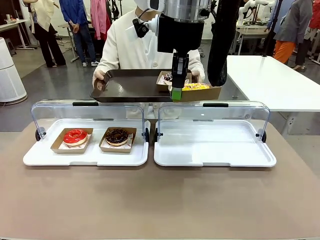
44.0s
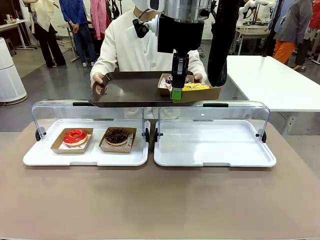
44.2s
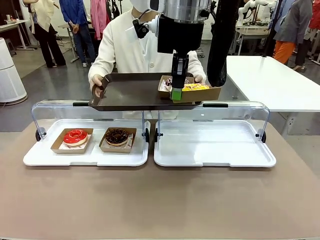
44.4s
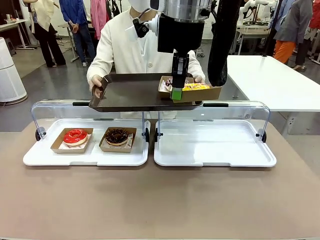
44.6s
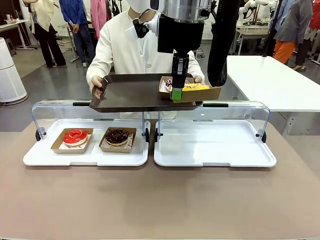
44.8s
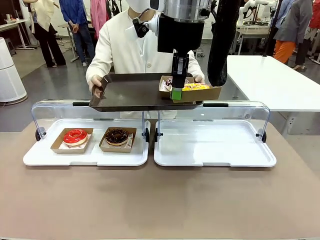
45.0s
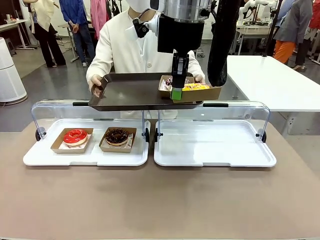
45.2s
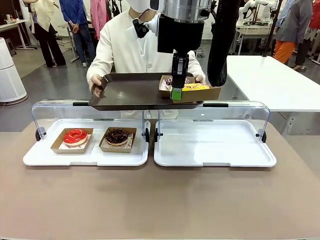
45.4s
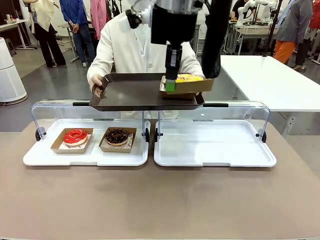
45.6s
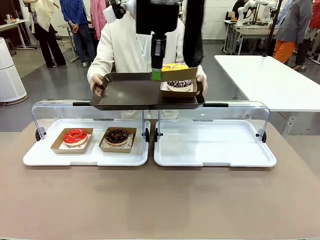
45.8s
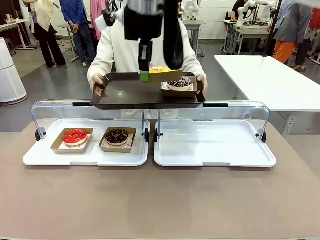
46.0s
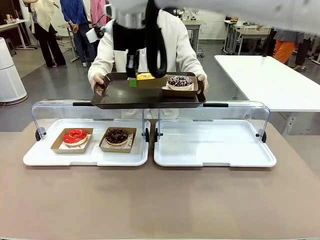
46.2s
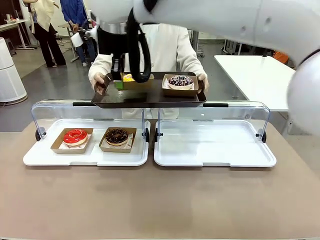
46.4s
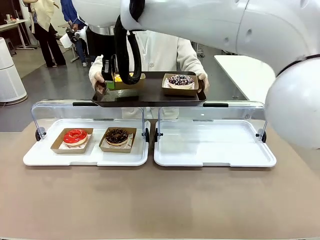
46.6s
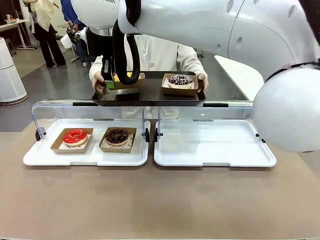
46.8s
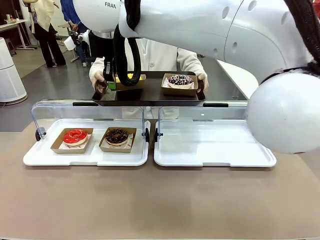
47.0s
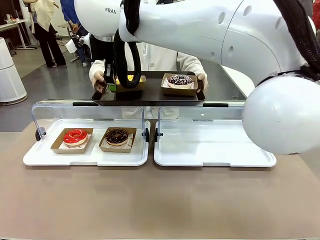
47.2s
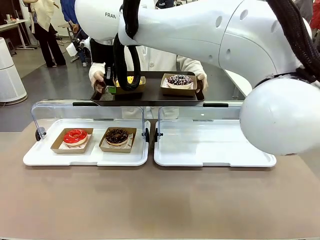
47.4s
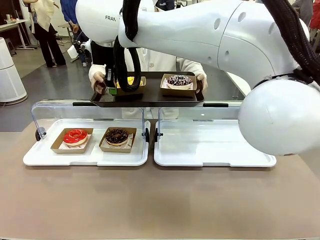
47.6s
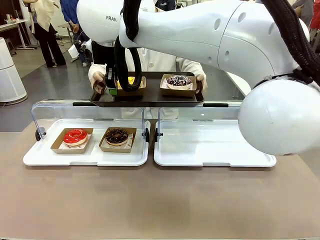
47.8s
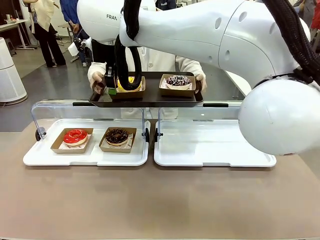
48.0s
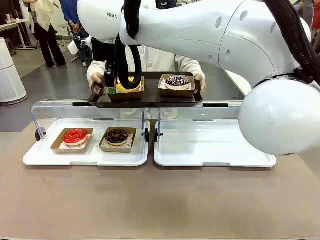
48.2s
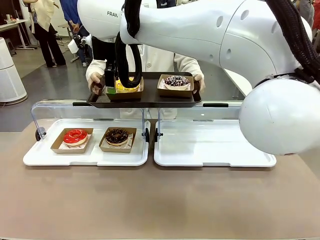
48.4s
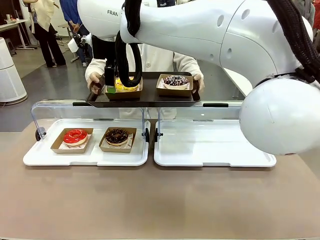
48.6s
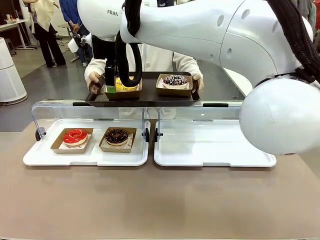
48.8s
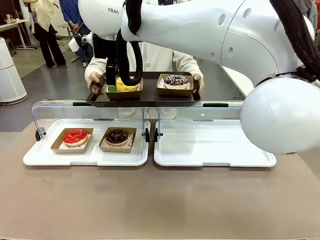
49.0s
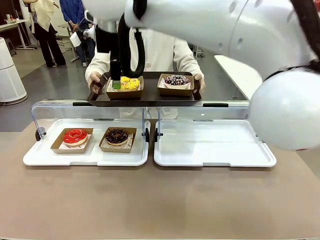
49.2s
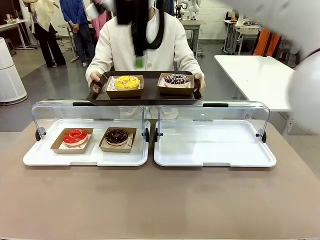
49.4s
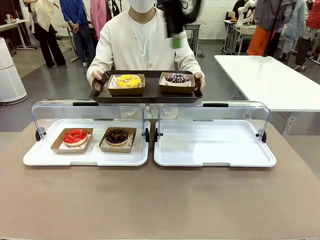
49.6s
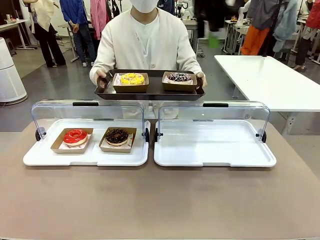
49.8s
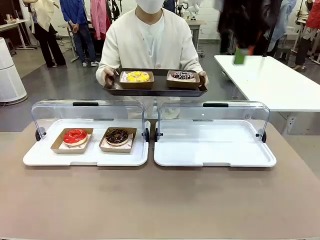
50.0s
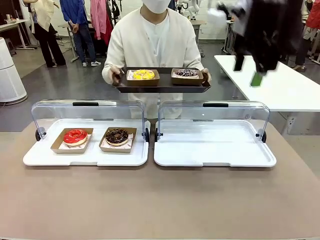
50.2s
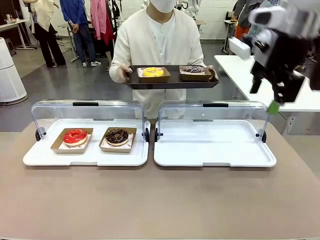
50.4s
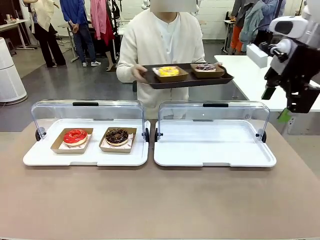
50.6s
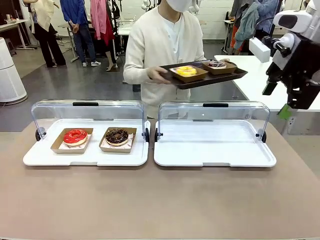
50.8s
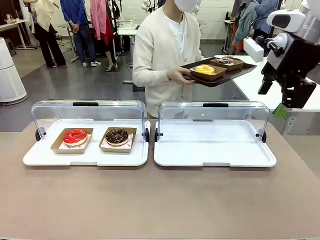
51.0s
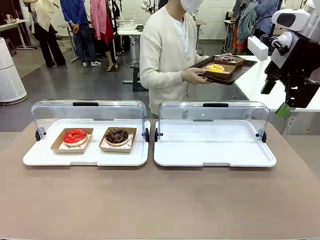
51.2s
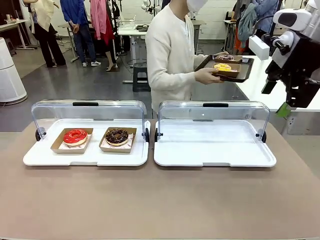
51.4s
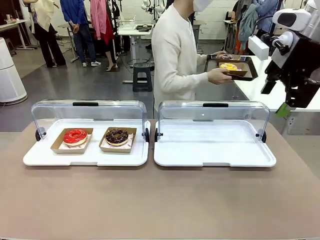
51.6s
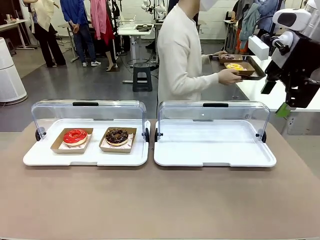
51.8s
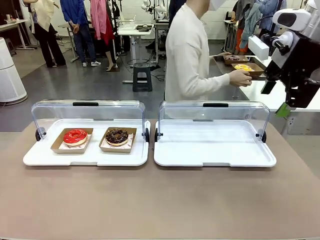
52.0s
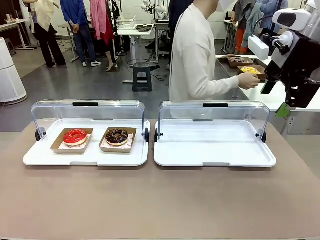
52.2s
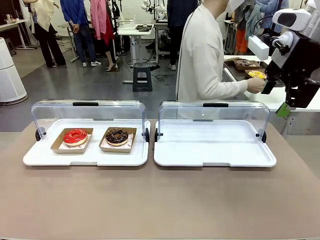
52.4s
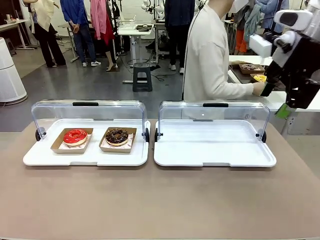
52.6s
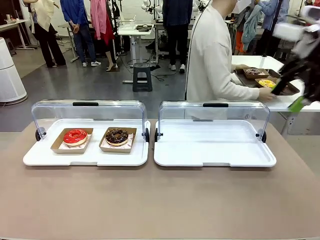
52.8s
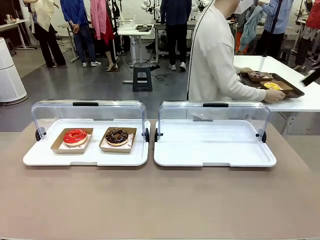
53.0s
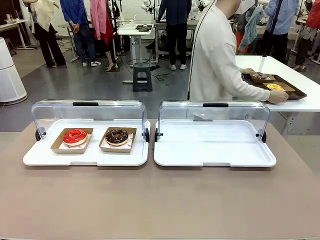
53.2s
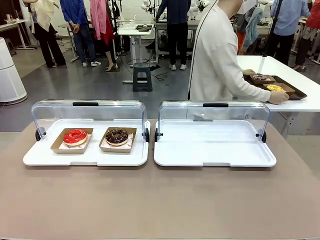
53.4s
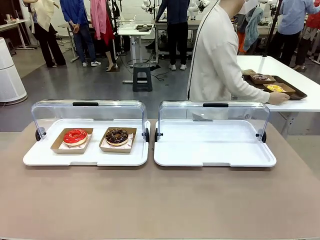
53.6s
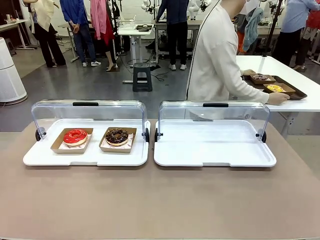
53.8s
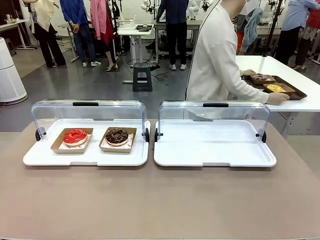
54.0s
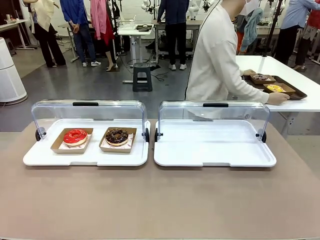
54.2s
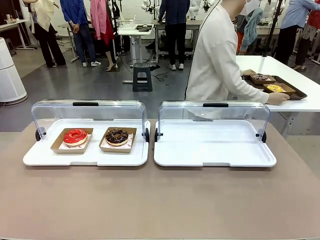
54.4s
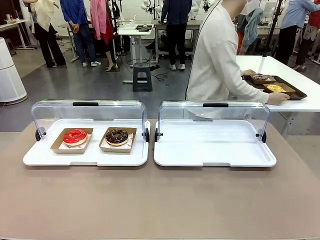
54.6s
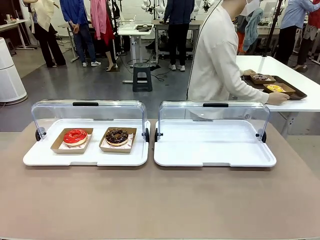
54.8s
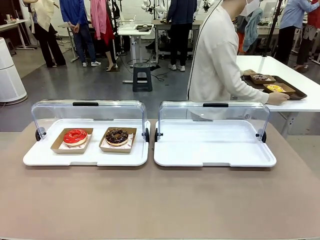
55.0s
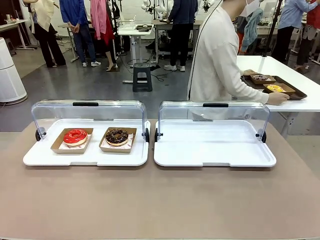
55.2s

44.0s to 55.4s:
Task: Provide the desired donut to the person.
Robot: Place the picked Paper togo box onto the Handle tray extended by the person.
Person: Place the tray in the middle of the human table.

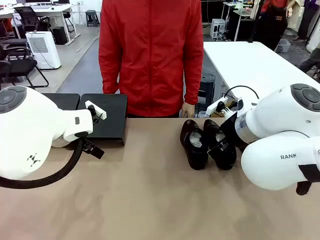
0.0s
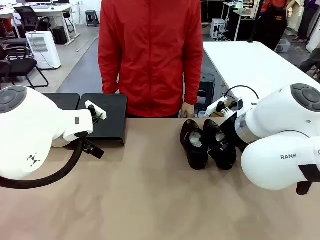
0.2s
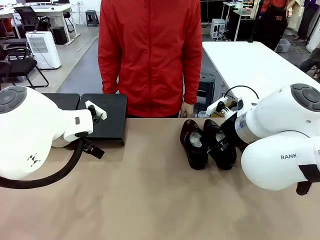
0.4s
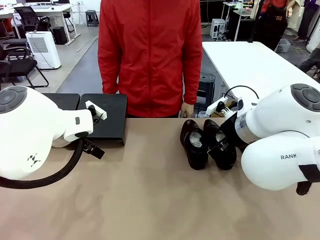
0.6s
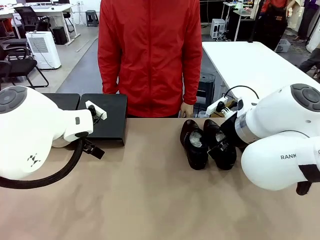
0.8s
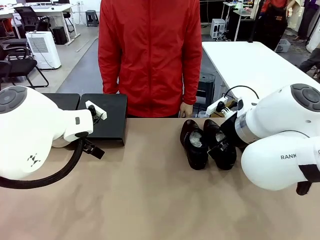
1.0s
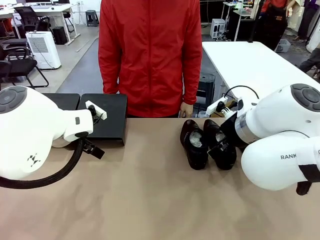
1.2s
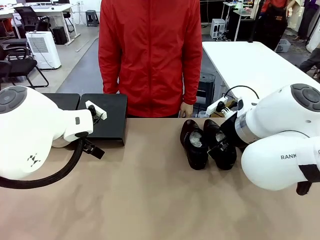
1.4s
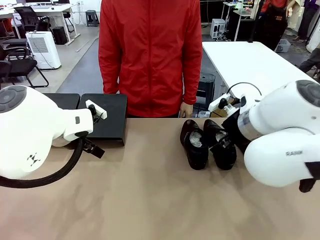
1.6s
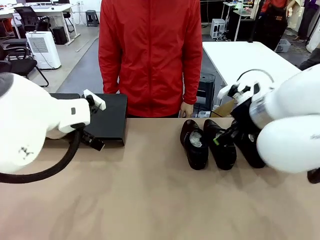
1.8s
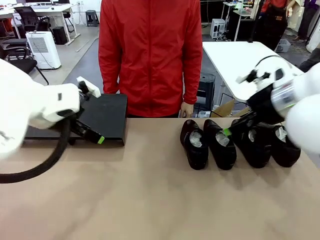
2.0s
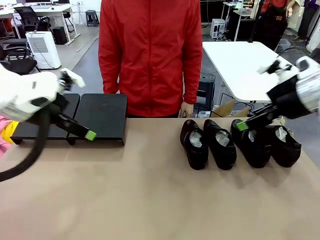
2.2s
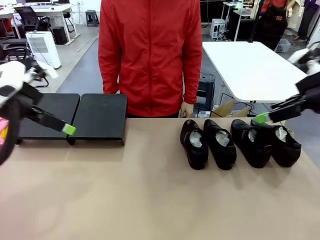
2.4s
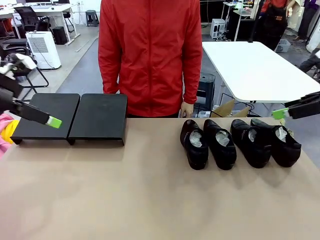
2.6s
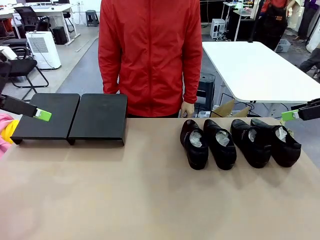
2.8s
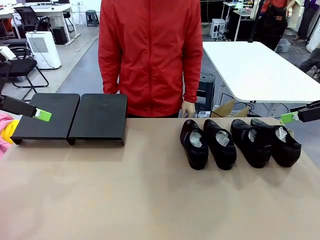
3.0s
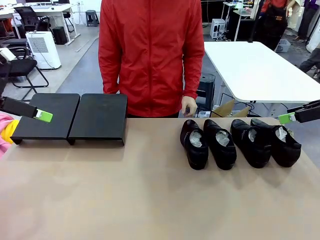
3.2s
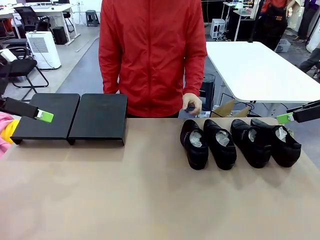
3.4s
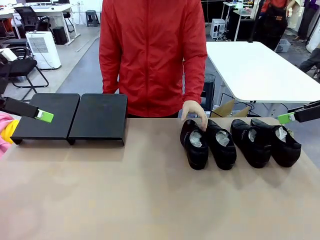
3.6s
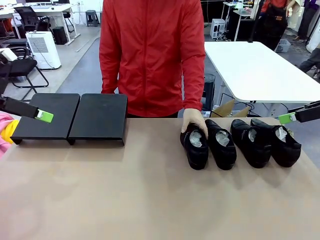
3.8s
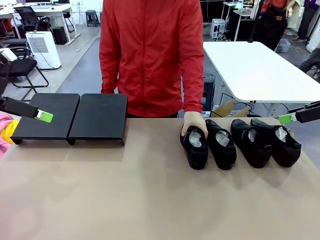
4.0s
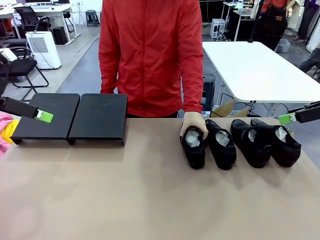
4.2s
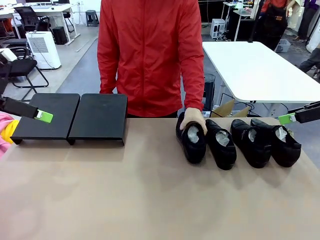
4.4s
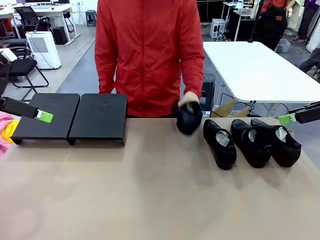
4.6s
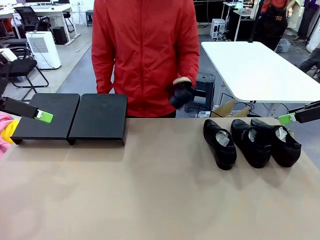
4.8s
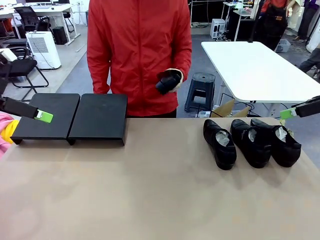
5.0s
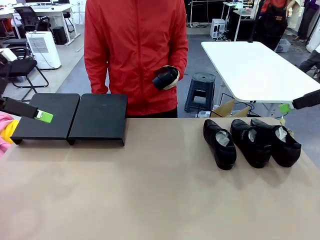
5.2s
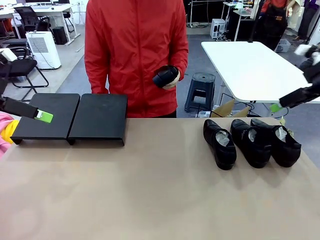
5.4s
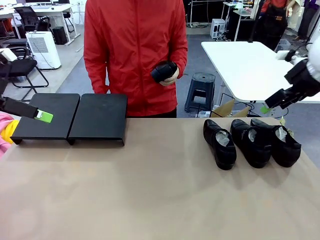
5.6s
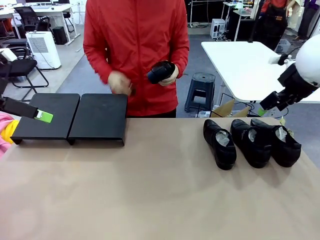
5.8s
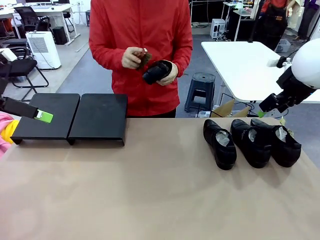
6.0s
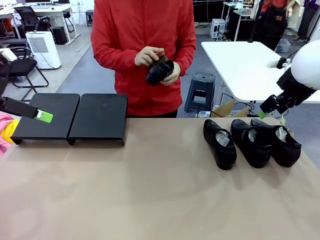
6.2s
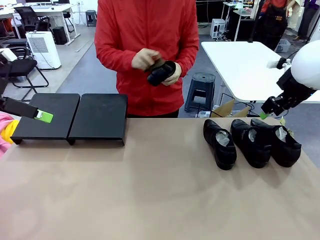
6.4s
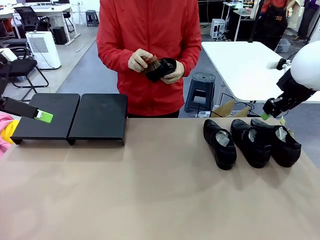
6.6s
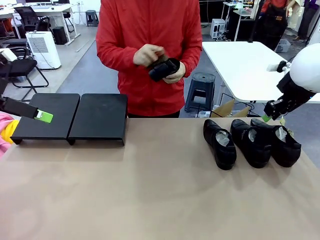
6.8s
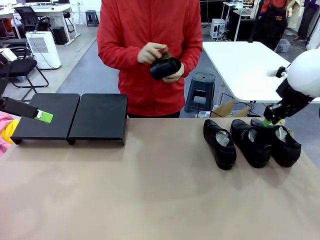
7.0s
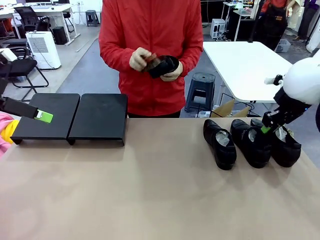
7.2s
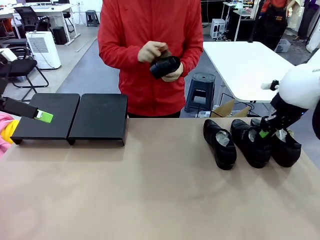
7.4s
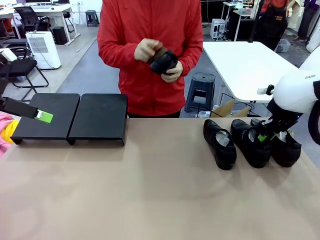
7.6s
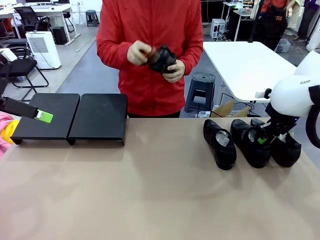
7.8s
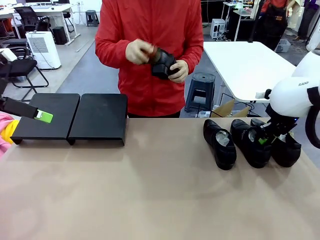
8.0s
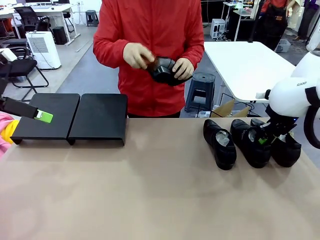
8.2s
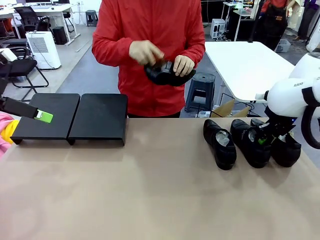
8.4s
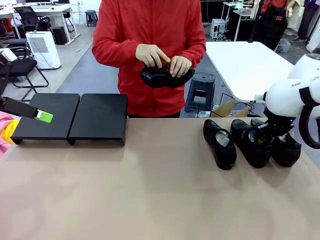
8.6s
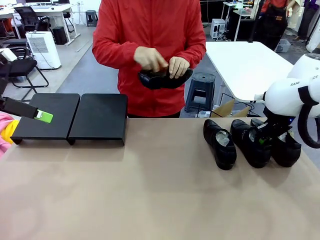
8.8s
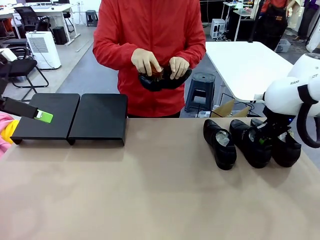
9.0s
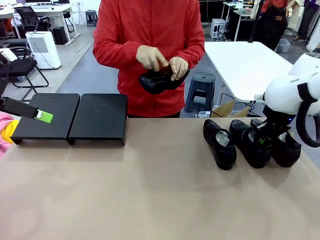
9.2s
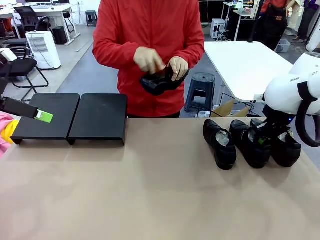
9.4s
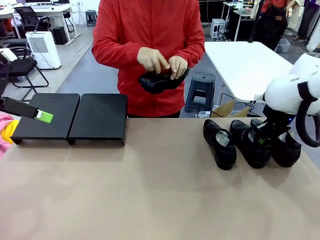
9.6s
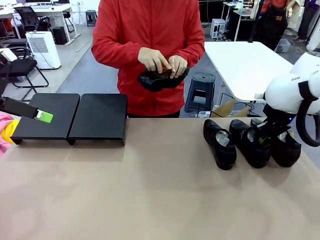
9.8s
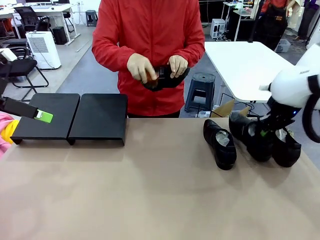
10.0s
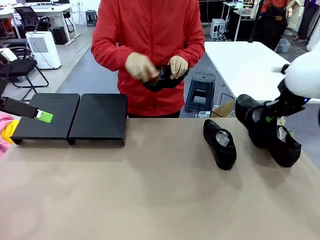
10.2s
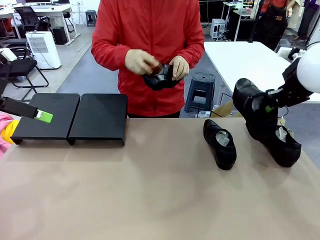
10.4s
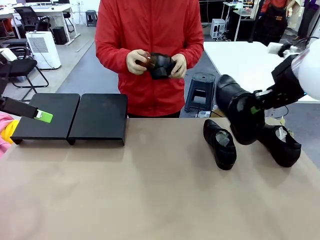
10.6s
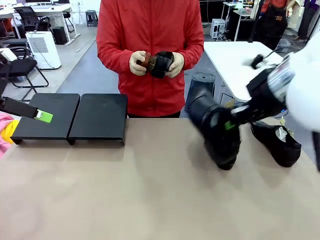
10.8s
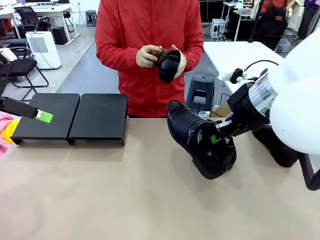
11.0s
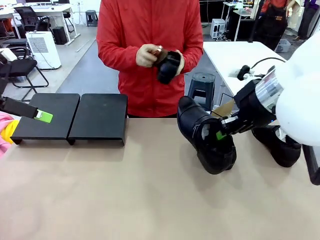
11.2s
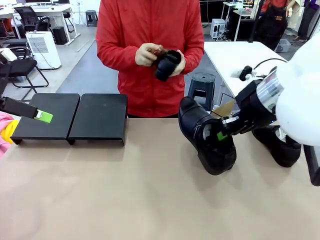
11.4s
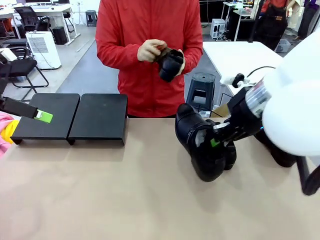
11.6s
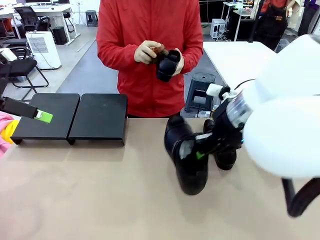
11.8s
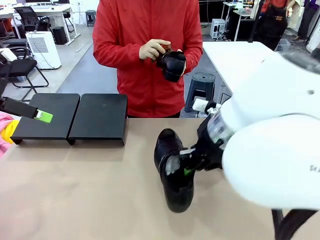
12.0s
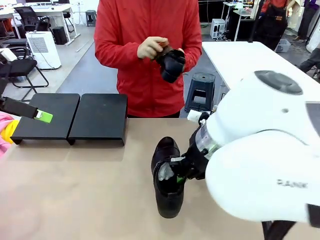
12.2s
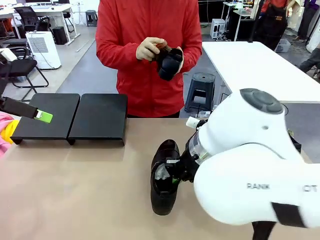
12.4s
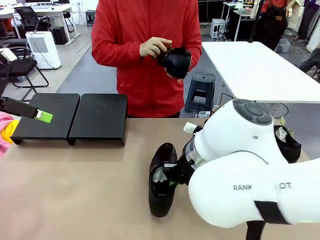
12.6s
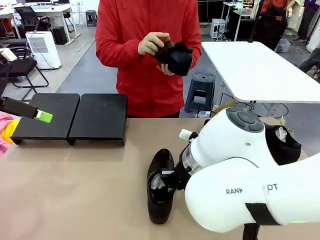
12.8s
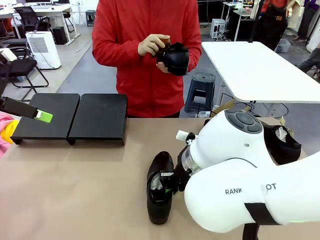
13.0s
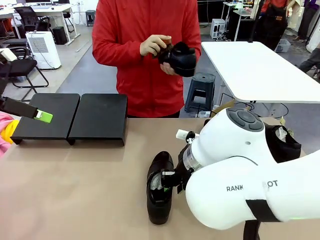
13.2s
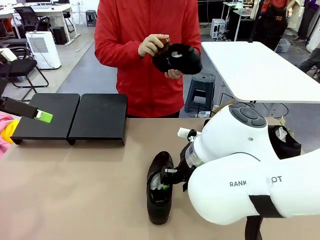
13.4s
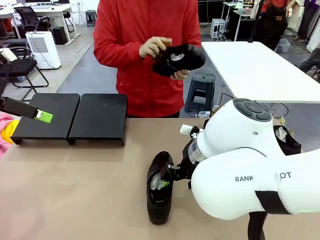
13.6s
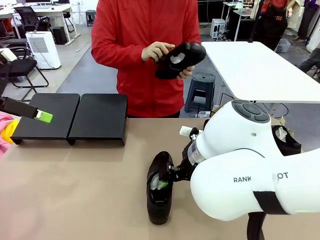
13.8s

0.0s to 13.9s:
Task: Organize the shoes by placing them on the stand.
Robot: Pick up one Shoe and place it in the middle of the table.
Person: Pick one Shoe on Robot's table. Clean the Shoe with the Shoe Brush.
